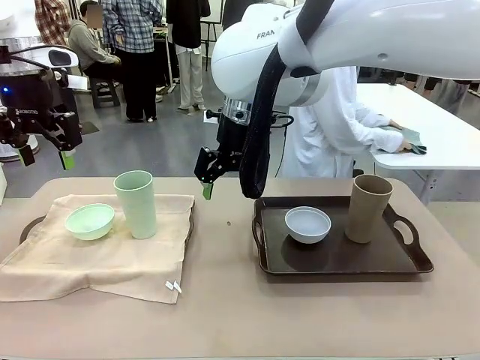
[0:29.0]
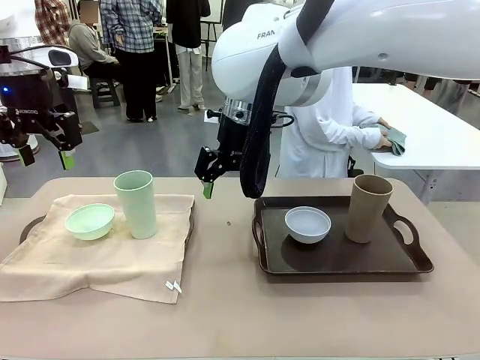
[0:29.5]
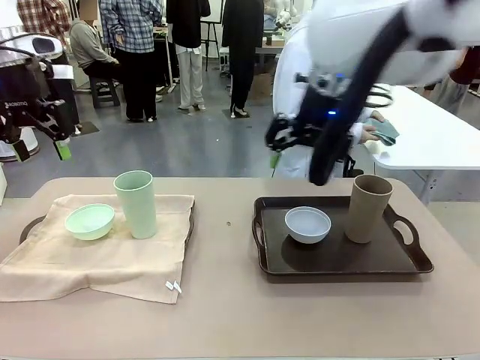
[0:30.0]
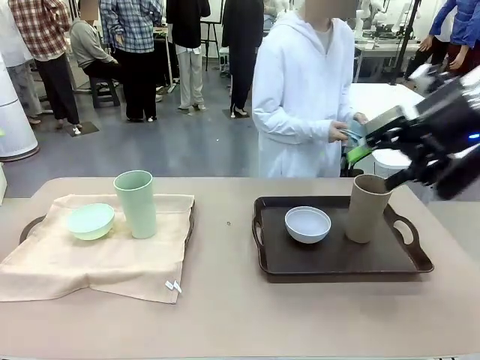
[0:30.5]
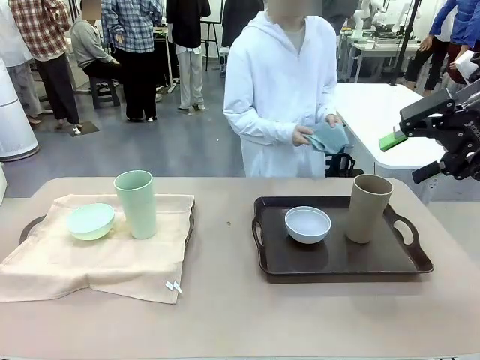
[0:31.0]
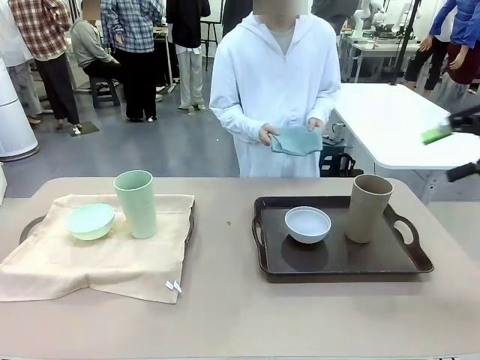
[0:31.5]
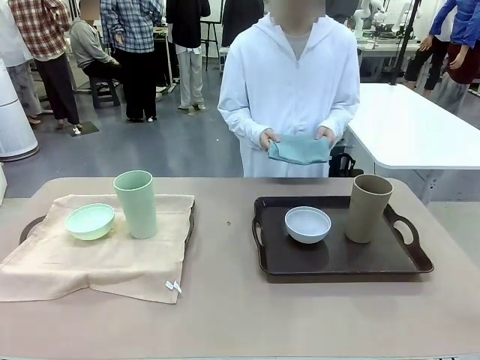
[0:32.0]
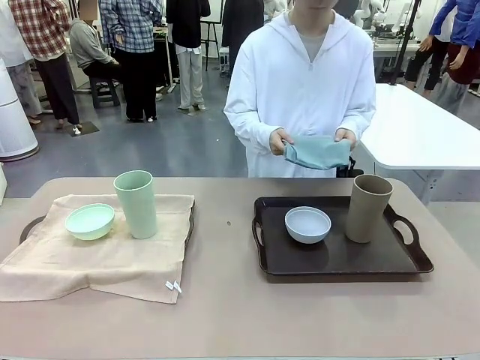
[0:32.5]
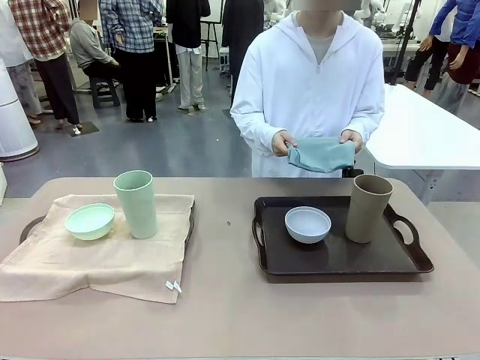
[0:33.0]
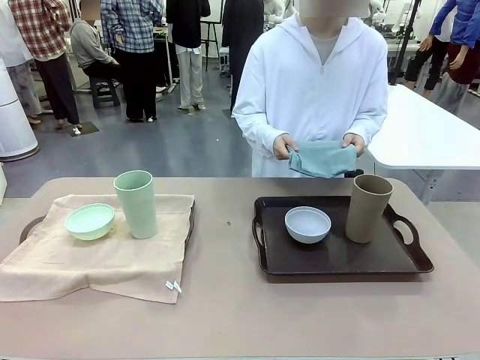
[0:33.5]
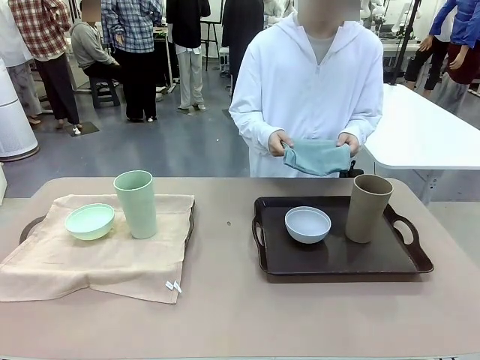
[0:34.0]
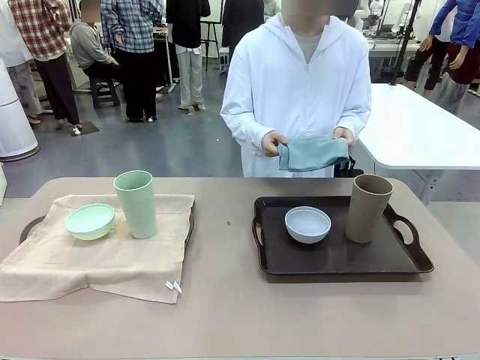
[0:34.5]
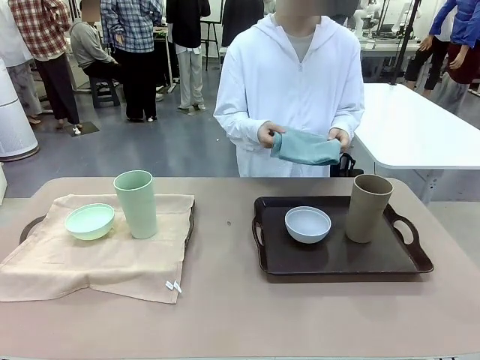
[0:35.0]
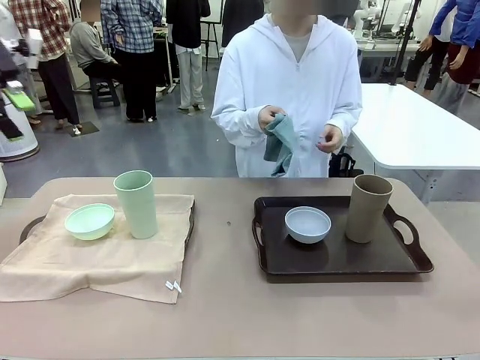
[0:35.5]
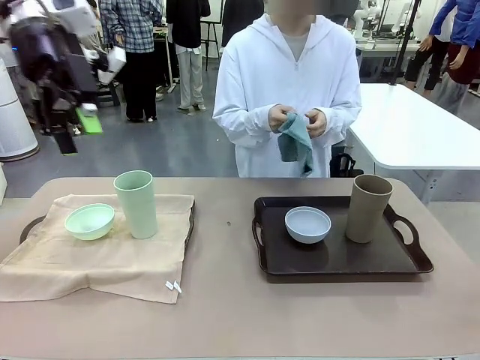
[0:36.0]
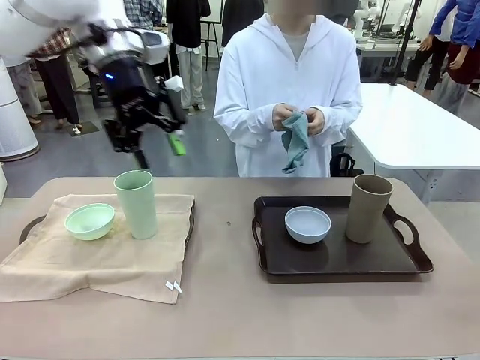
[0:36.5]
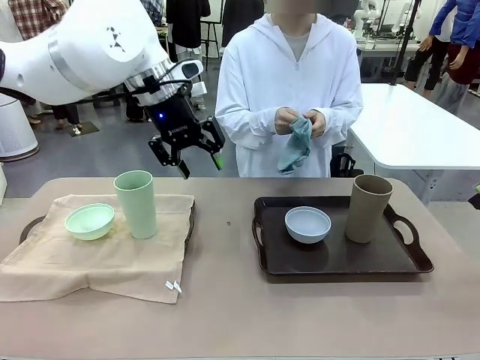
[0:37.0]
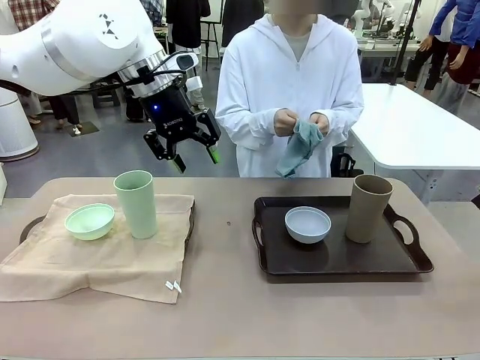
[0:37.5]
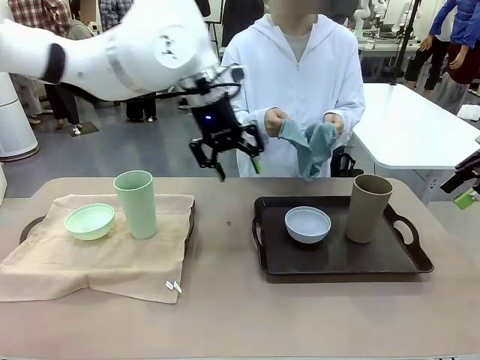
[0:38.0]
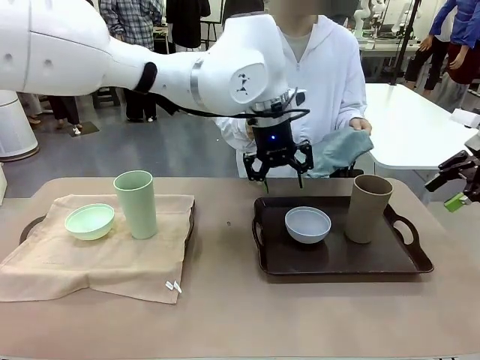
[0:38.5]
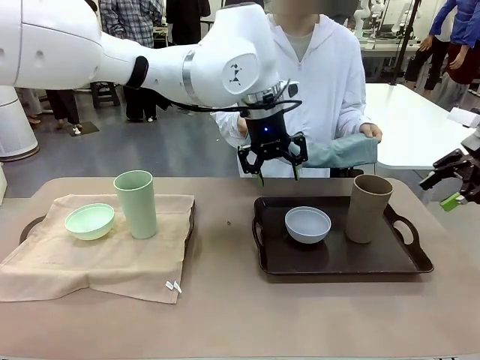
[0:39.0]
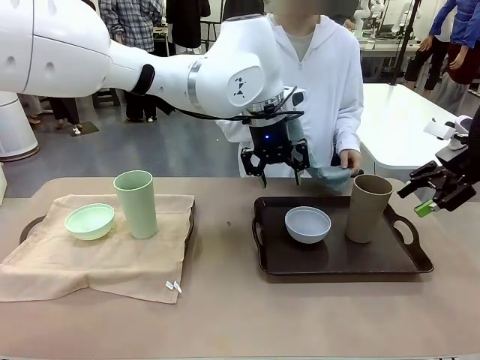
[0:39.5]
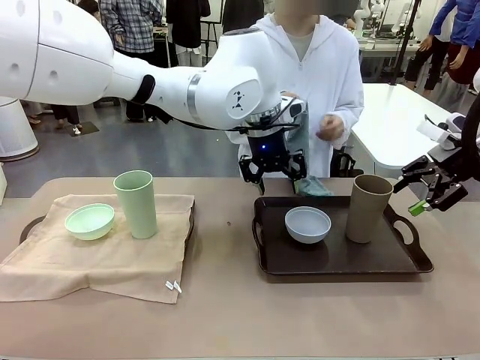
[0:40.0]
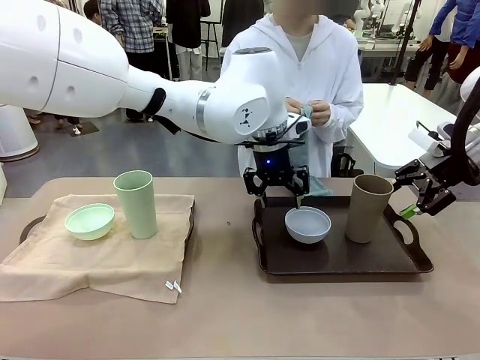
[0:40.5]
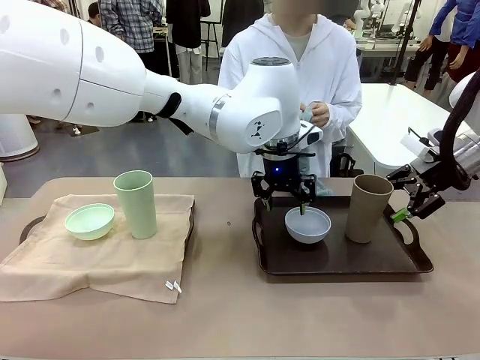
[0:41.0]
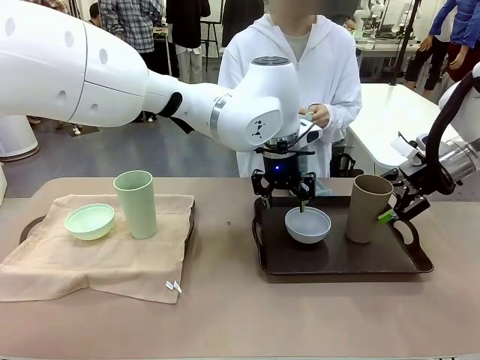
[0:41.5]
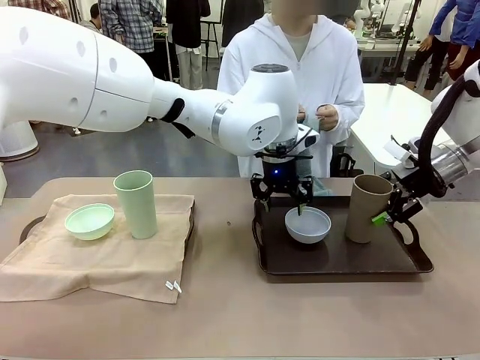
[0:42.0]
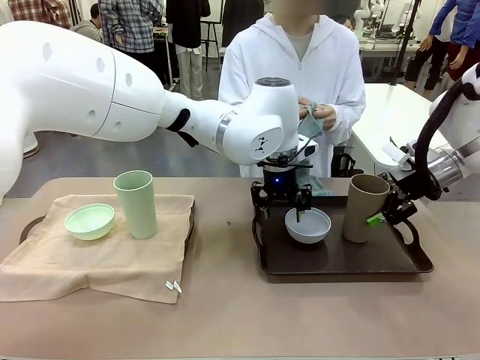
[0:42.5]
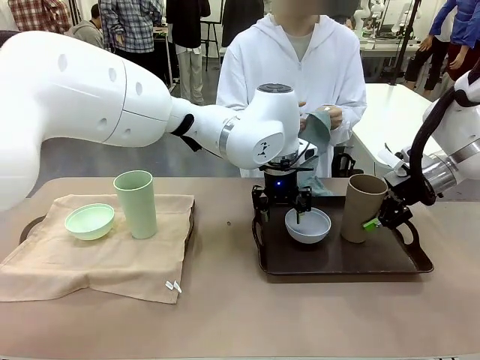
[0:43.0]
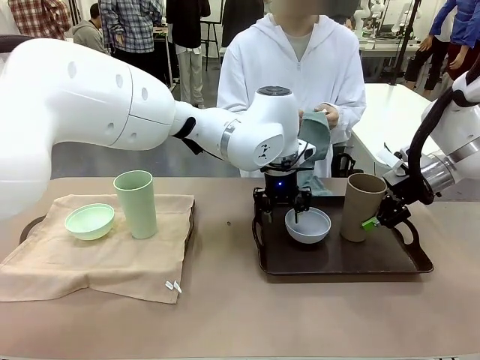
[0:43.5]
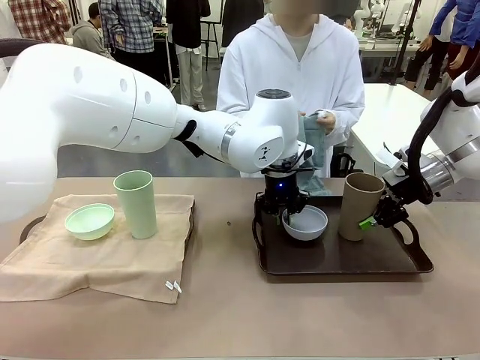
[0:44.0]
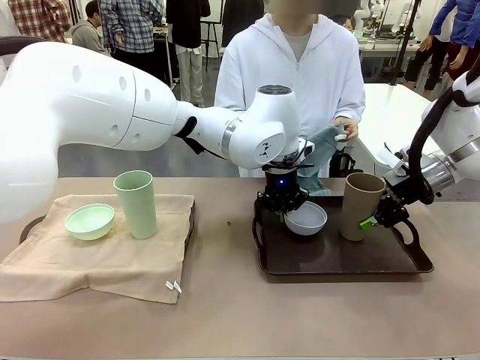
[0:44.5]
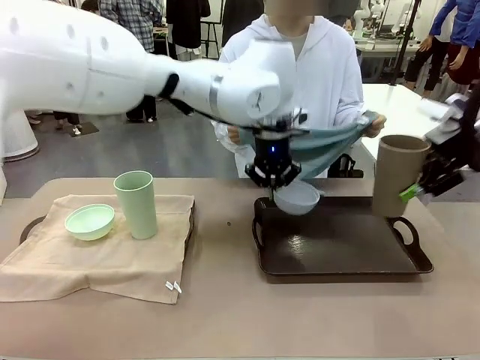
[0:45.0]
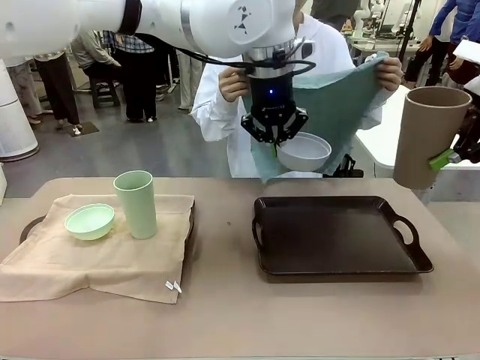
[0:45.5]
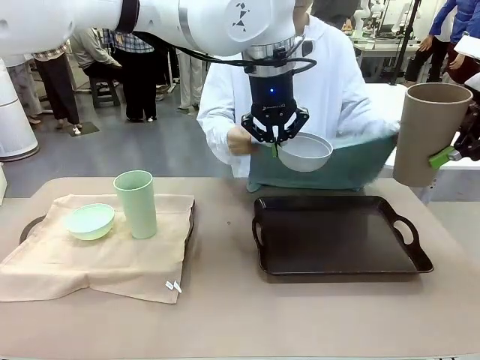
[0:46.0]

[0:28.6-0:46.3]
Robot: Pick up the Picnic Bowl and Reusable plastic cup from the Handle tray in front of the human's position and hold them in the air.

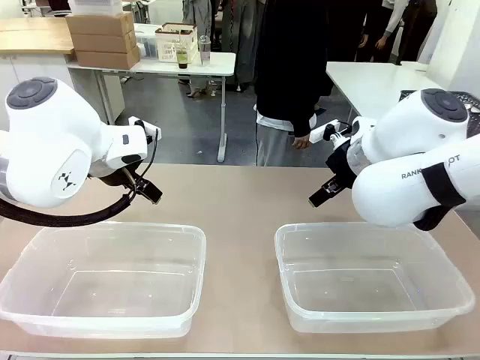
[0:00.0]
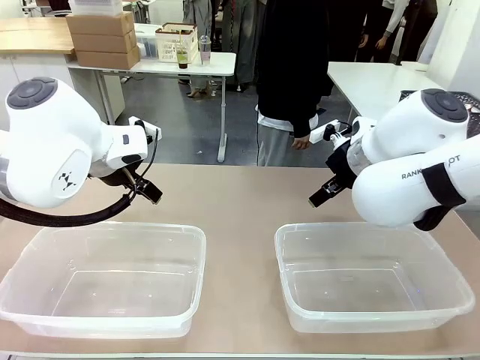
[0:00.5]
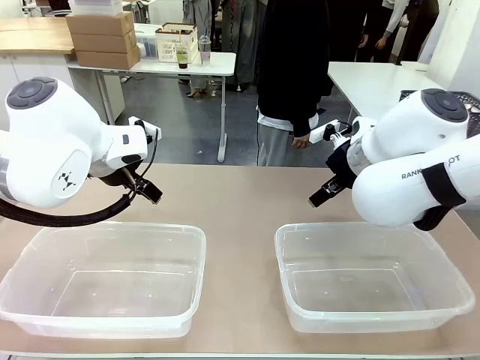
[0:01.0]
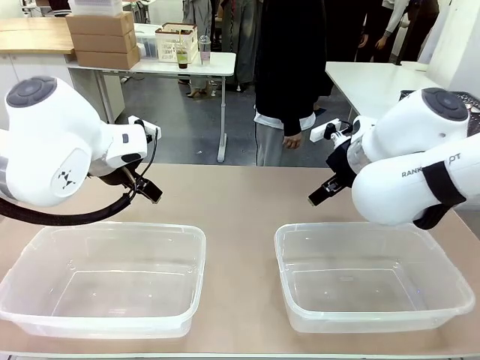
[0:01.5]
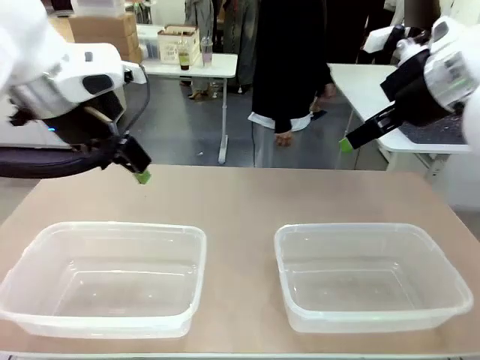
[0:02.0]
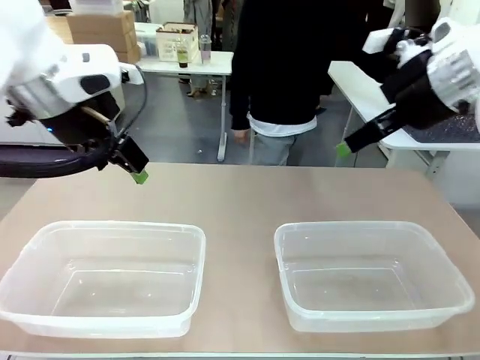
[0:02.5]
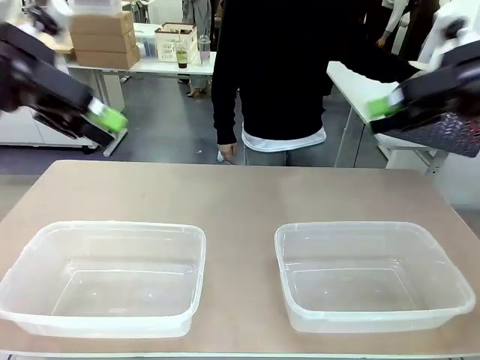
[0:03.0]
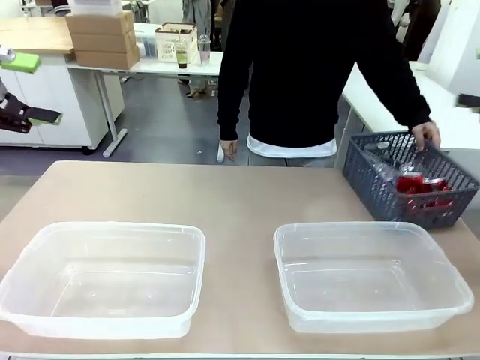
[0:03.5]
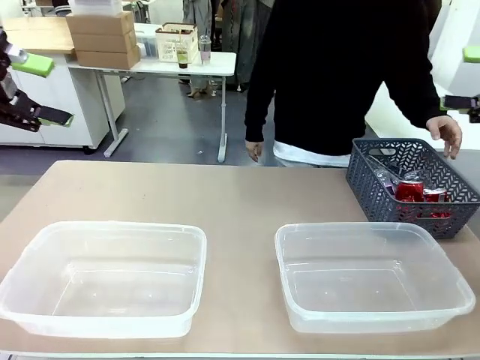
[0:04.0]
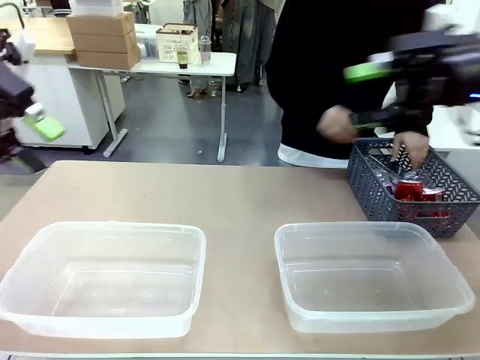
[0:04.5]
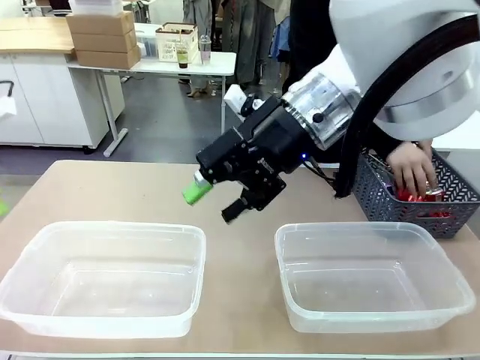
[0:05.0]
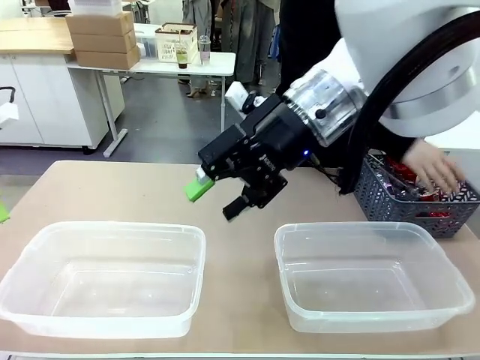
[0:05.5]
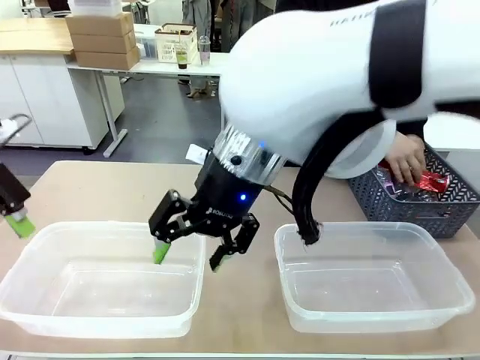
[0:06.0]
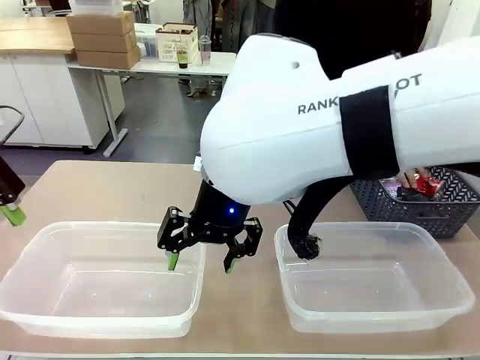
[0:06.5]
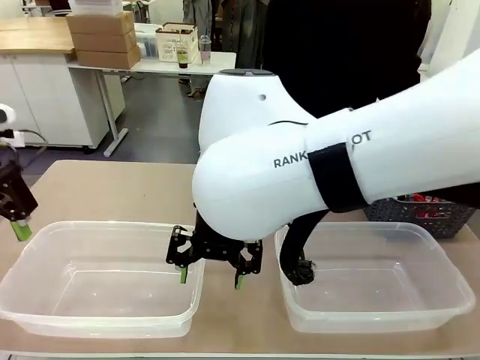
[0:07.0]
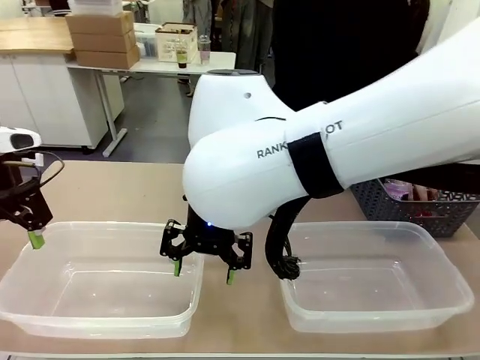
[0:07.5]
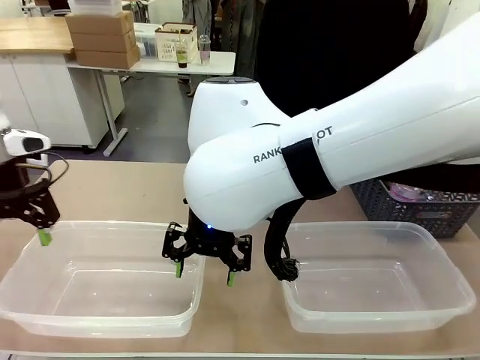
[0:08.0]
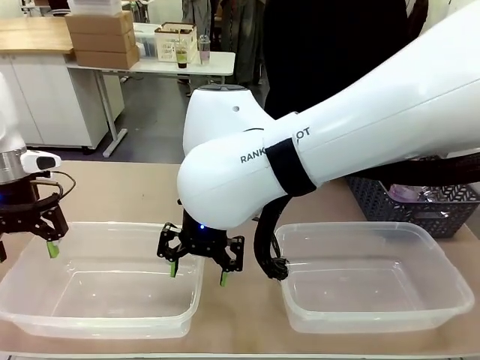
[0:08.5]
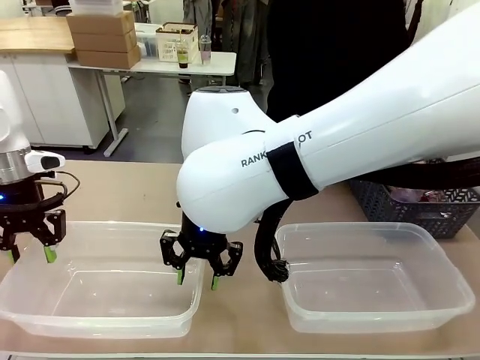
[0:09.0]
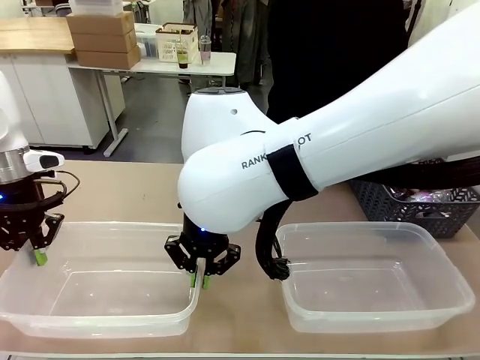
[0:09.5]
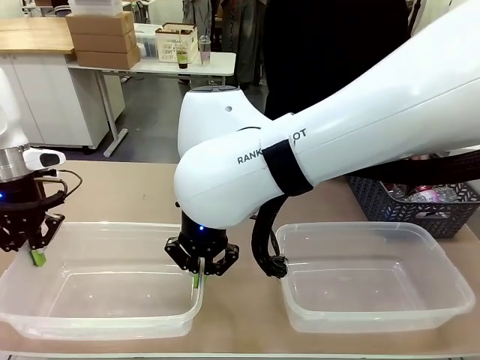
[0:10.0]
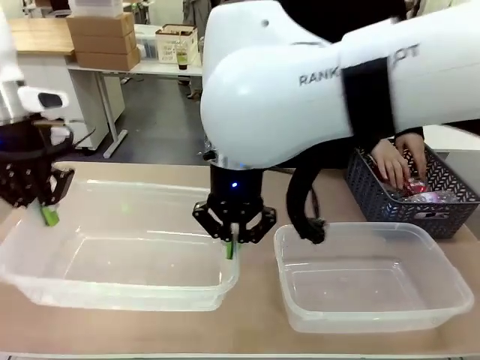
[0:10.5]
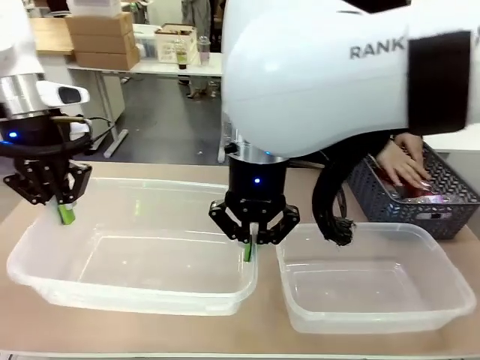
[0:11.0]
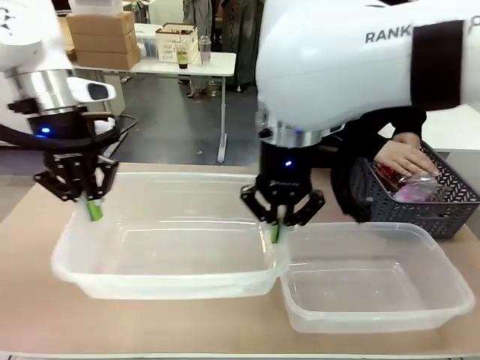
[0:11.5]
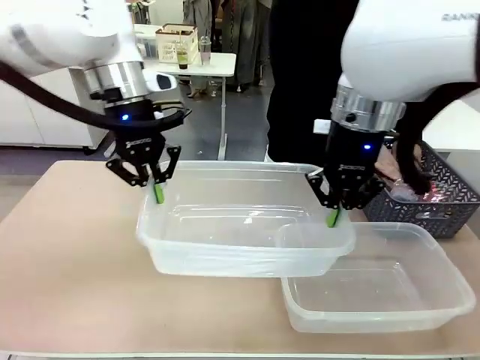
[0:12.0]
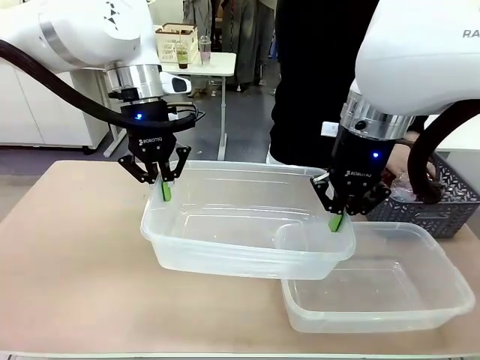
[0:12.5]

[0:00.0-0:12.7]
Robot: Pick up the Organizing box on the left side of the table and lift it.
Person: Pick up the storage basket and place it on the left side of the robot table. Pick up can-shaped waste one by one and place it into the organizing box lifted by the robot.
